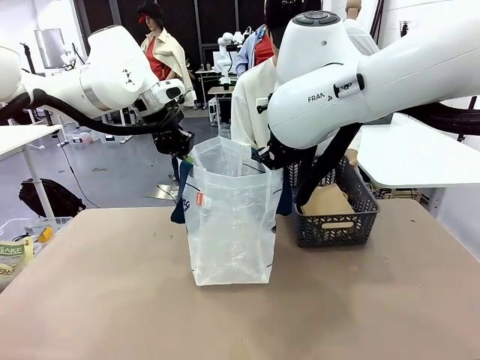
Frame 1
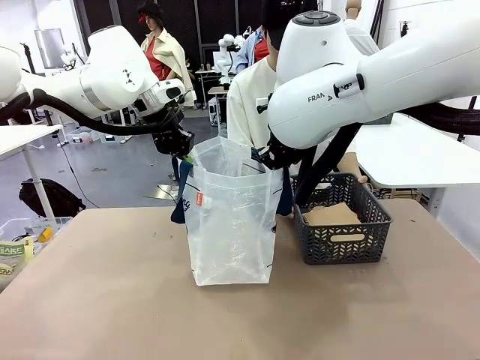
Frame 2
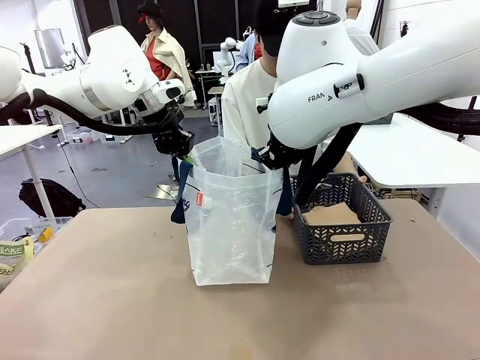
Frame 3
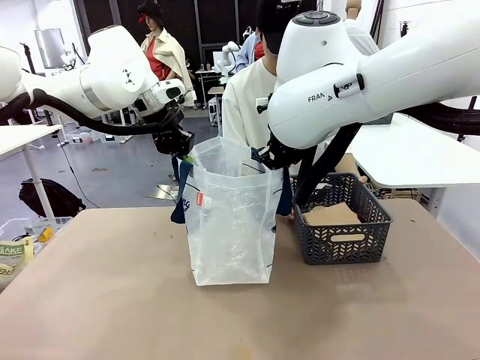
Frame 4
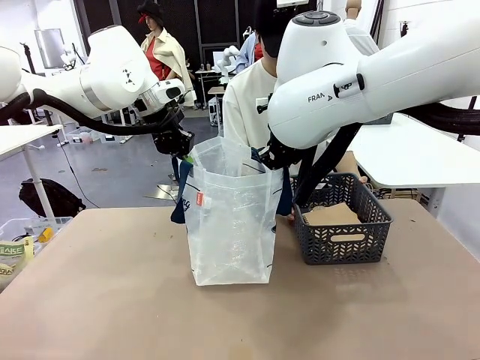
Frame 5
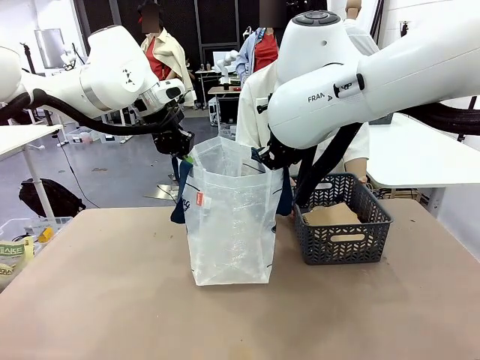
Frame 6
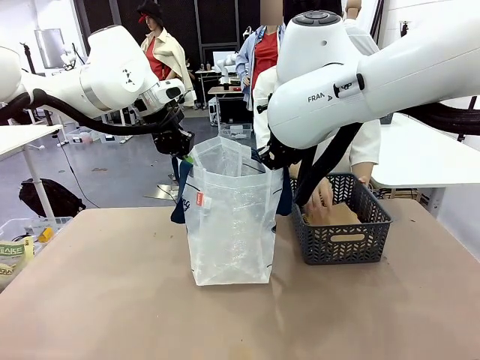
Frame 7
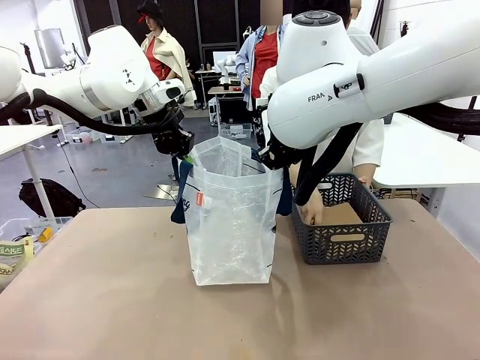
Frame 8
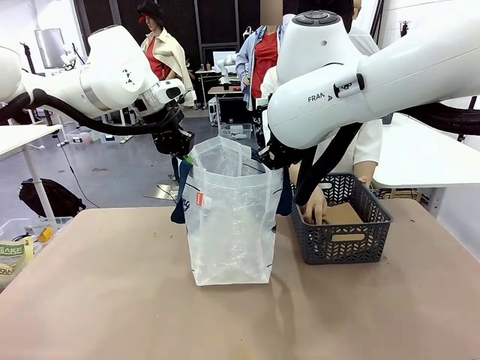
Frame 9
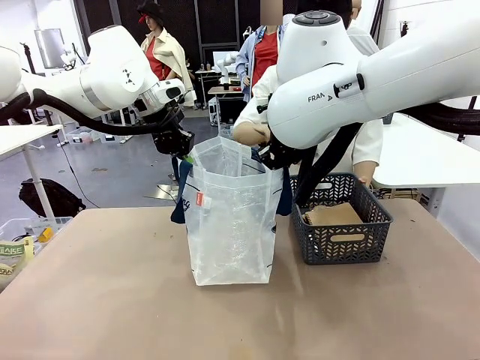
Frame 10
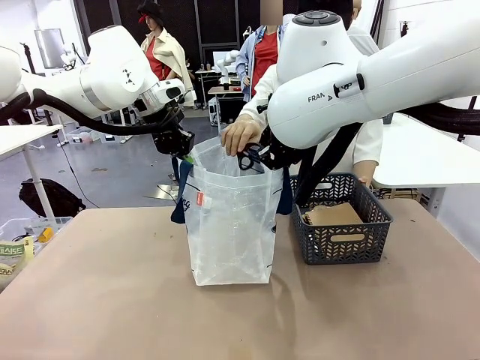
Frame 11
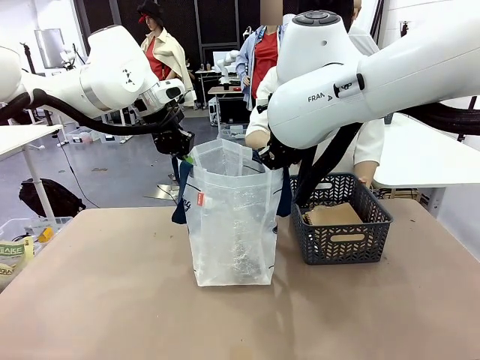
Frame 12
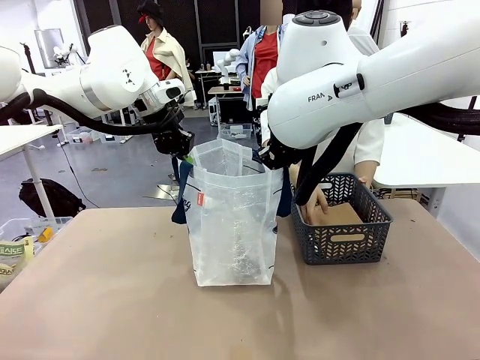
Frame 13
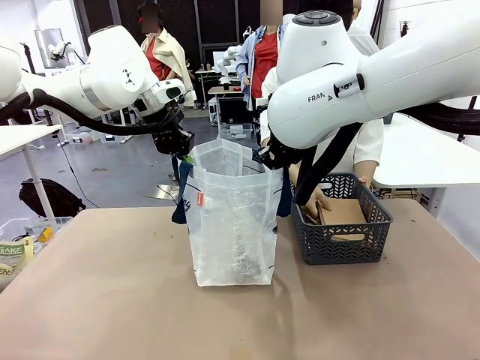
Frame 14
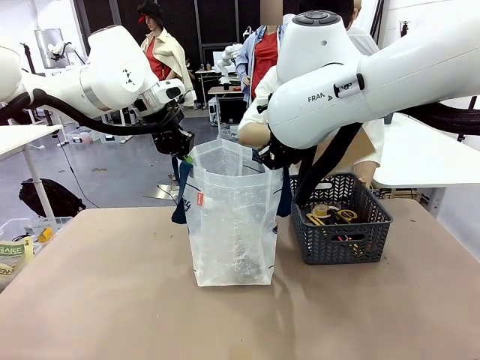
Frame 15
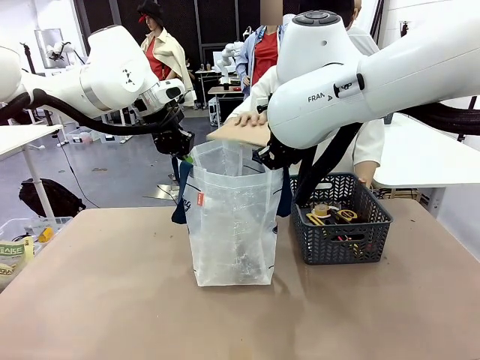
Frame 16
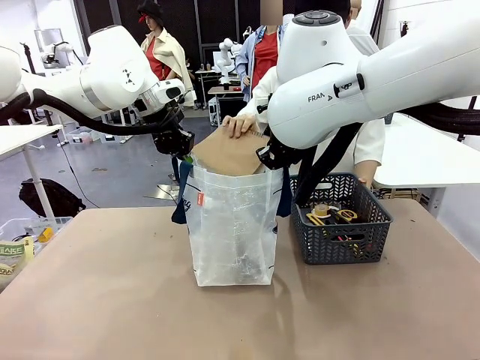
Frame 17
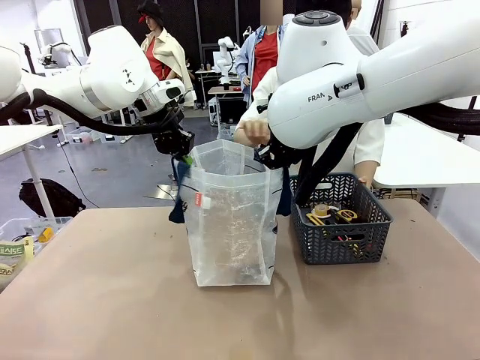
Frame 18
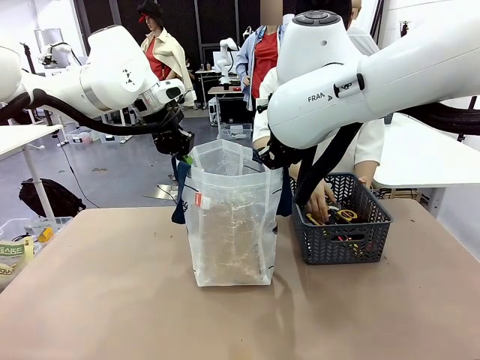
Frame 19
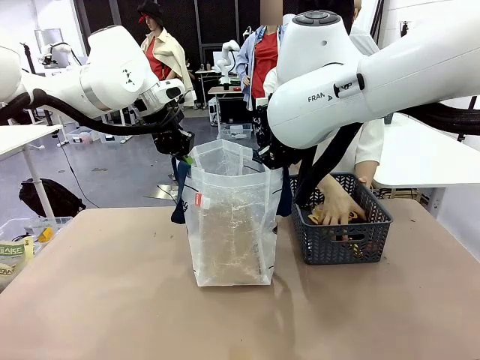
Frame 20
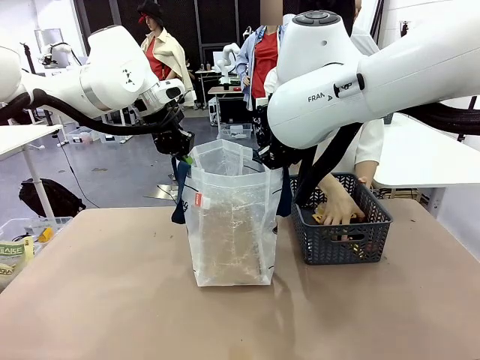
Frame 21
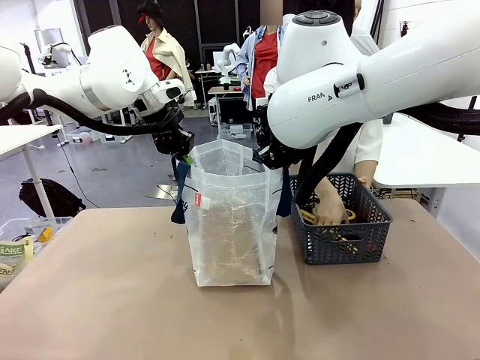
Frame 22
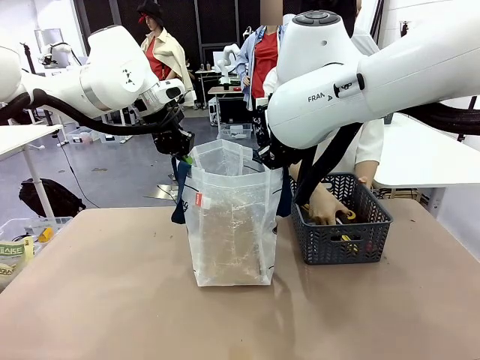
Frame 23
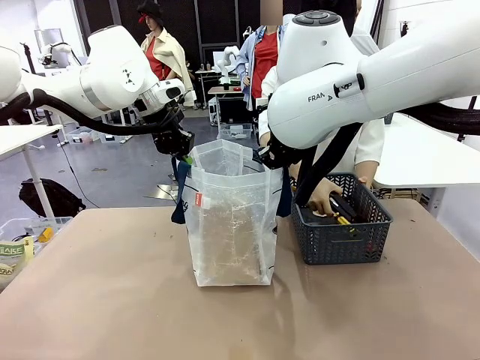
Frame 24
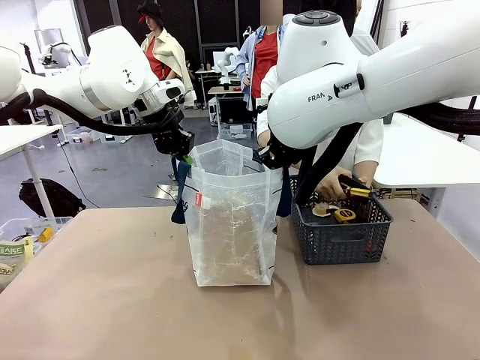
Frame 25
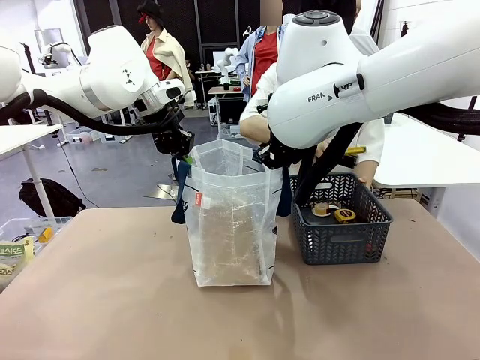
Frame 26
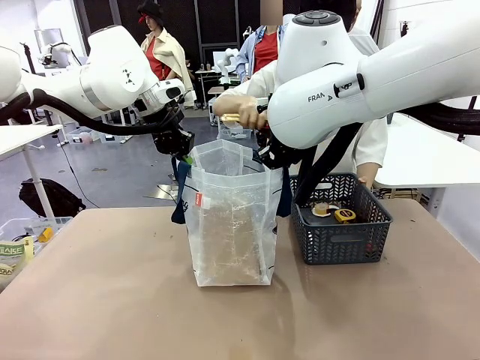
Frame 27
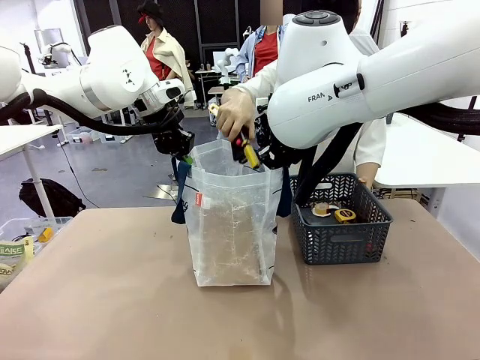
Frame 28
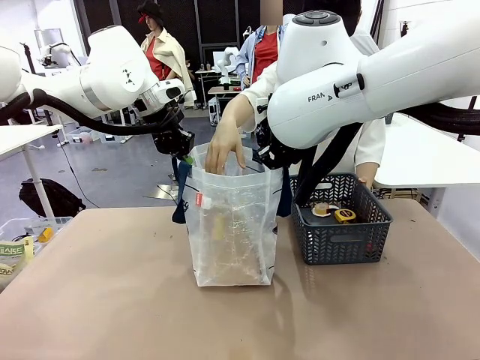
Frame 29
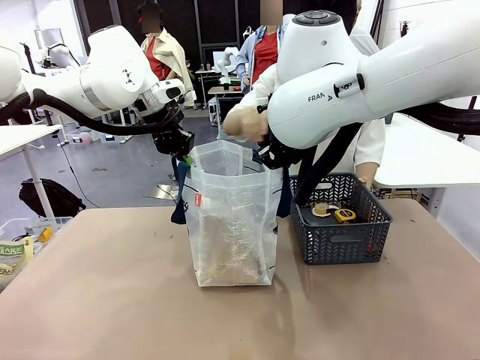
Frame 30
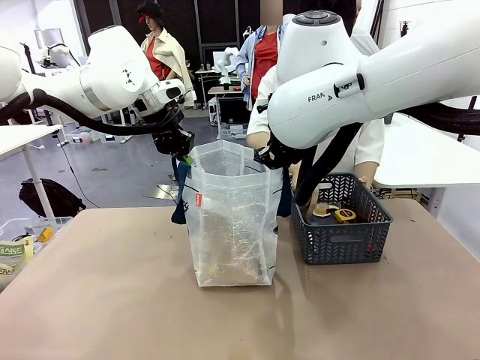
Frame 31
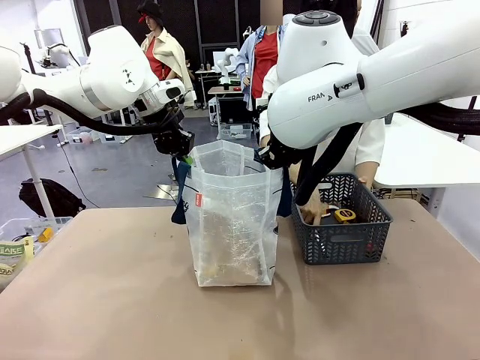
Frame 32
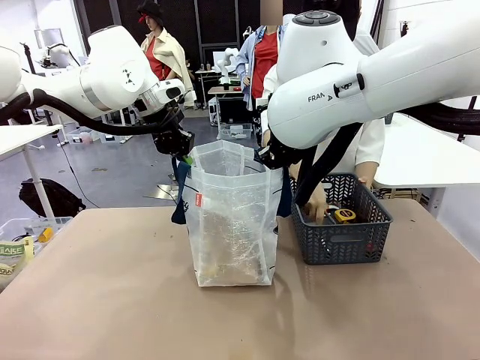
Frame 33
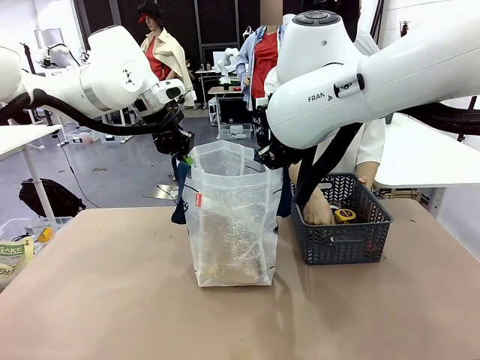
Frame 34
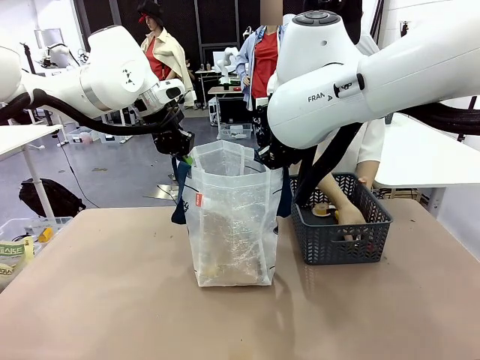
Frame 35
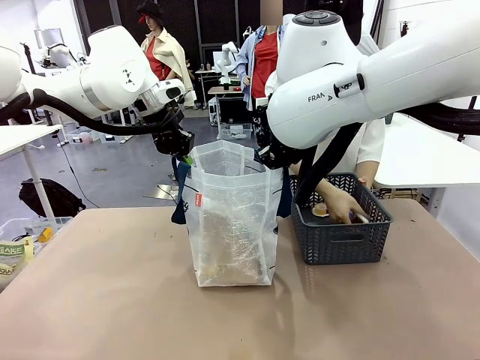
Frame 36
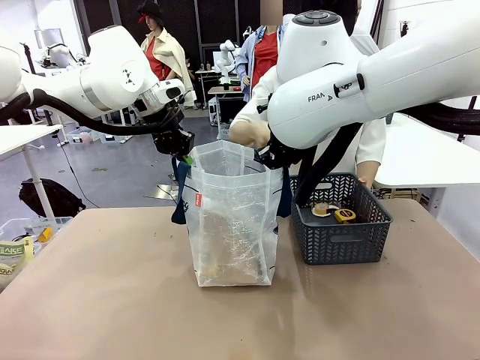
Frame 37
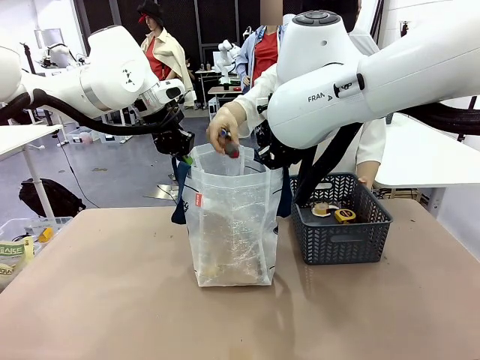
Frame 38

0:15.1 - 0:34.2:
Task: Transfer purchased items from the store into the shopping bag.
Robot: Move the Reusable shopping bag to the right side of the table.
Person: Pick up the basket with the items out and place it on the right side of the human table.

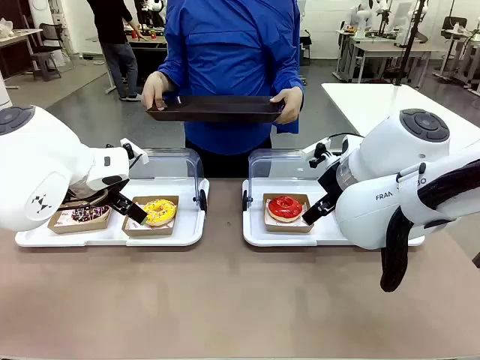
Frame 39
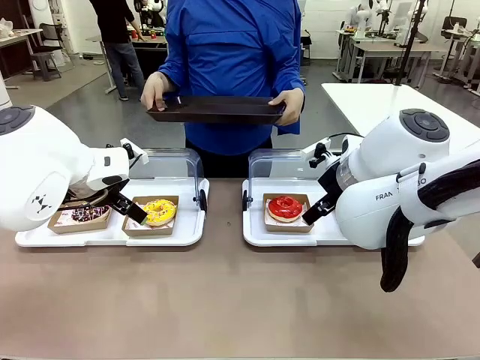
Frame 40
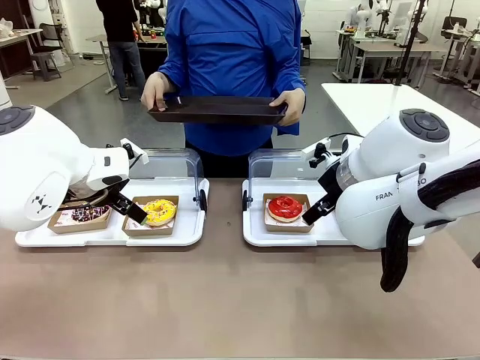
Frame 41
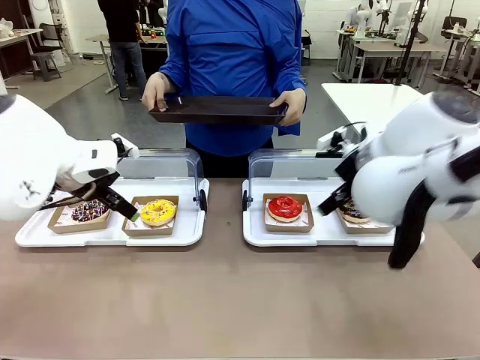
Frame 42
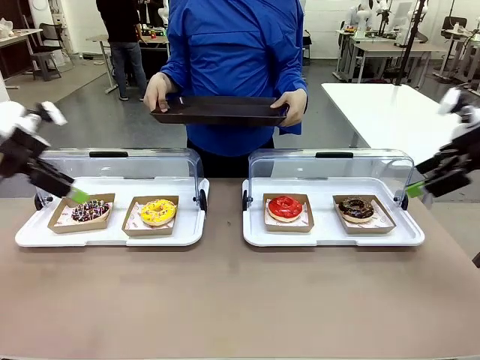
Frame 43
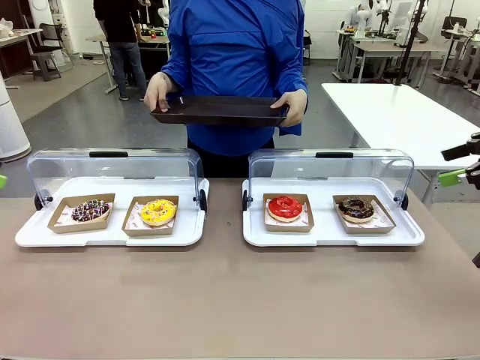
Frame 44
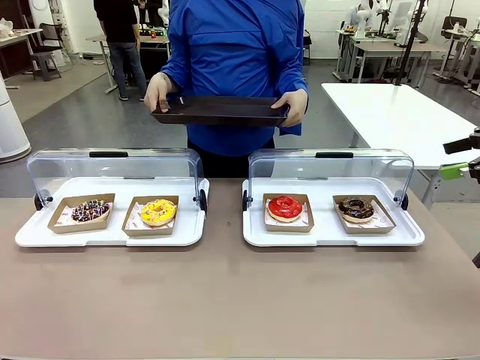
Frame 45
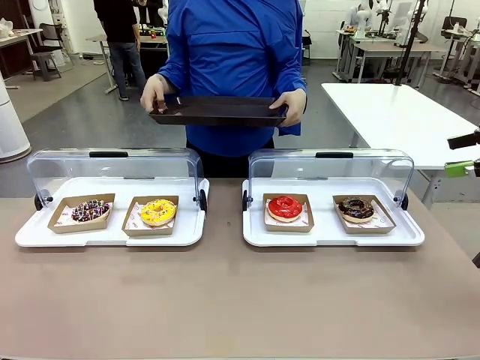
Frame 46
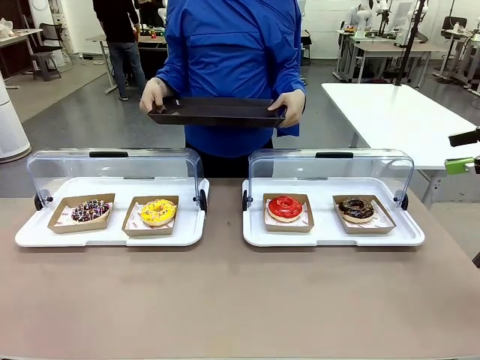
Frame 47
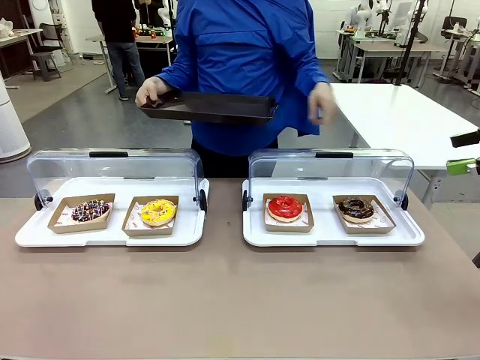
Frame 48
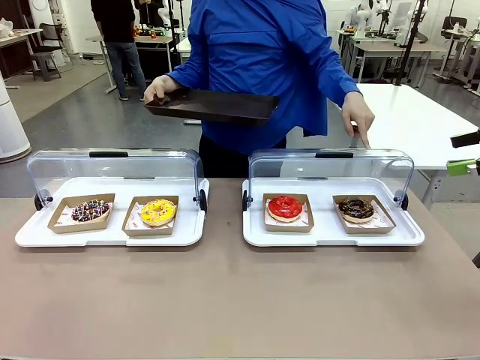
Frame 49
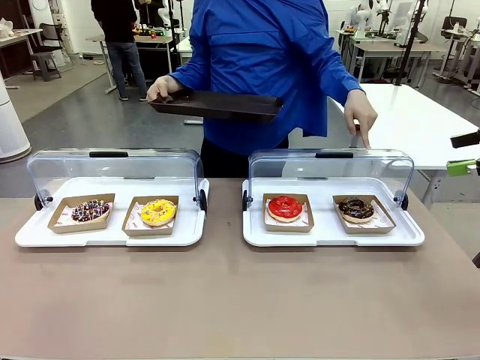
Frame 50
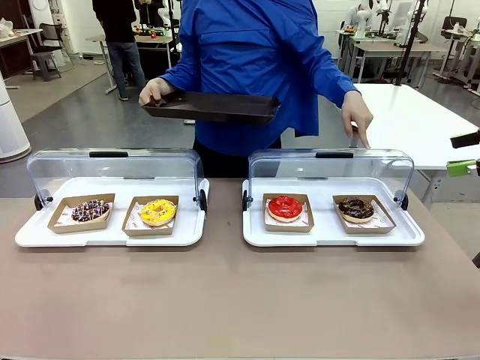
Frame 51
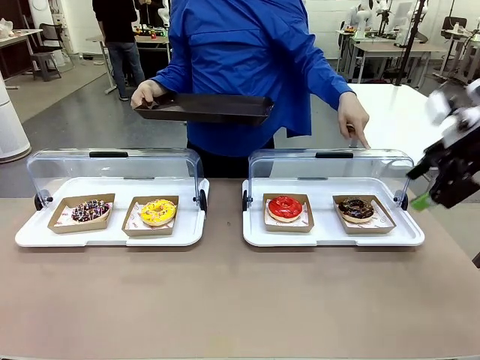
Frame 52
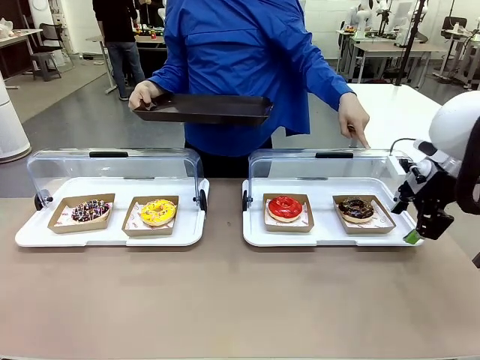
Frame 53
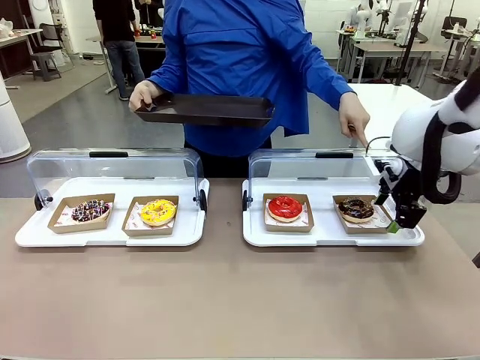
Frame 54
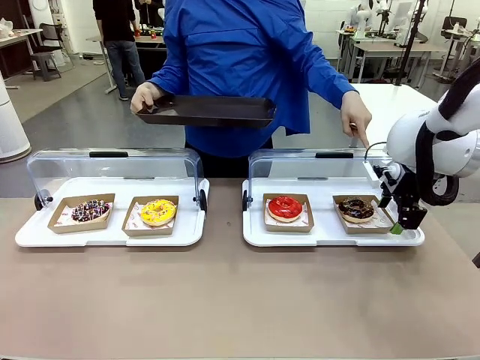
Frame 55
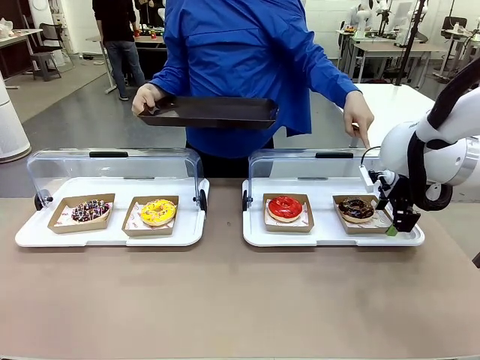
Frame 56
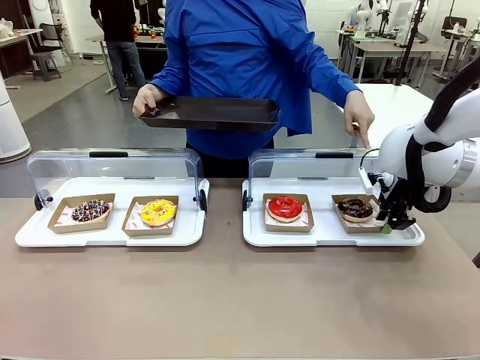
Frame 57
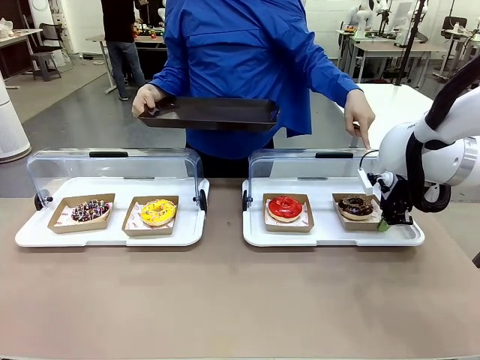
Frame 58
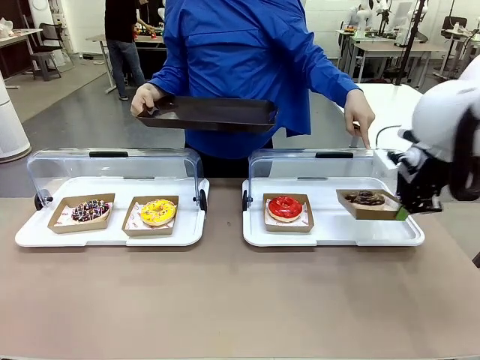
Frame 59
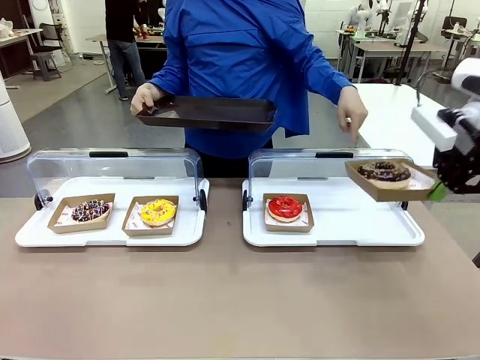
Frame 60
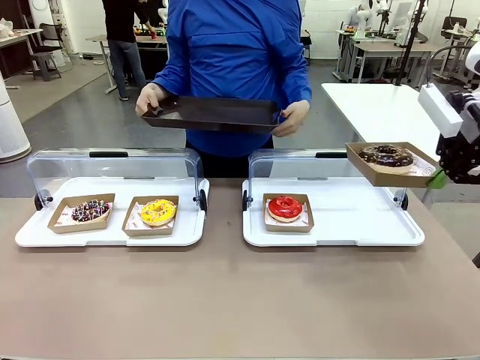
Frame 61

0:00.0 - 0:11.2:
Task: Provide the desired donut to the person.
Robot: Pick up and lift the Paper togo box containing the Donut pointed at by the person.
Person: Point to one donut. Lift the tray onto the Roll-Top Bakery Case.
